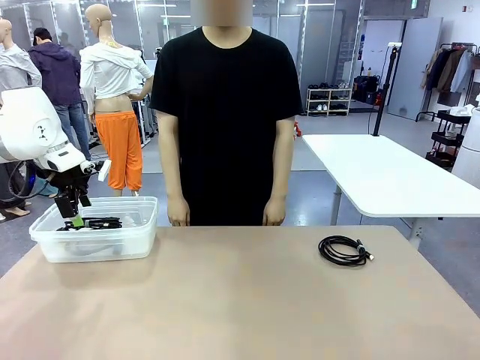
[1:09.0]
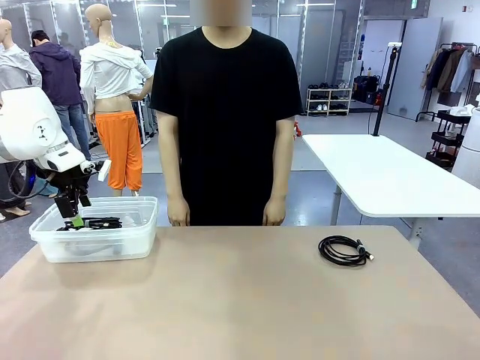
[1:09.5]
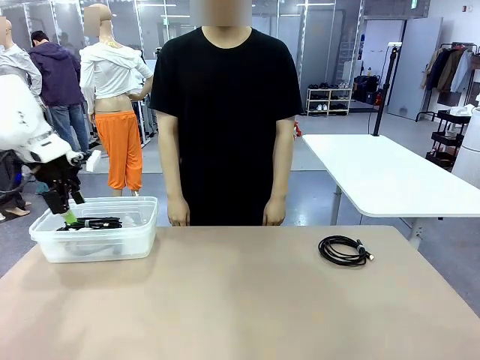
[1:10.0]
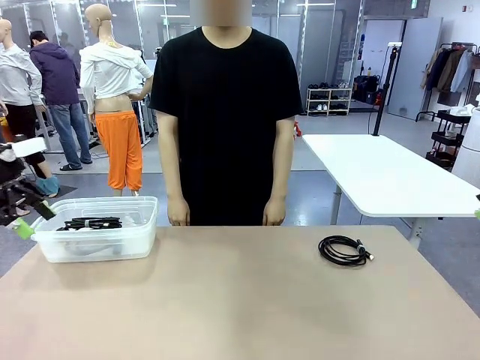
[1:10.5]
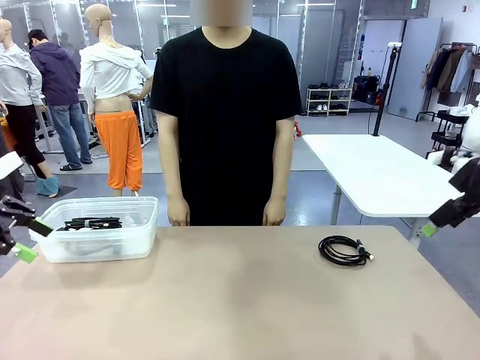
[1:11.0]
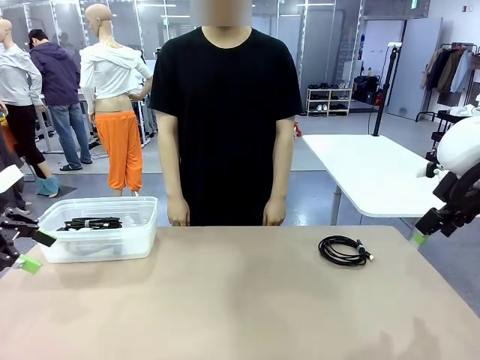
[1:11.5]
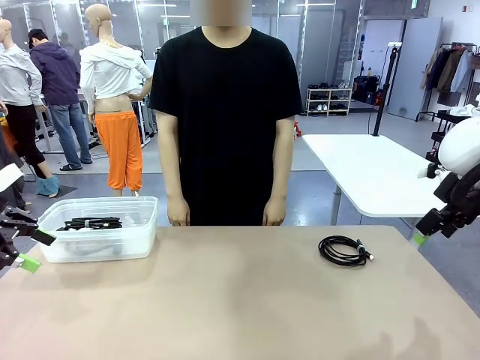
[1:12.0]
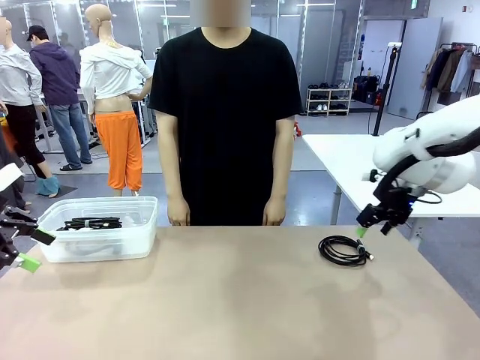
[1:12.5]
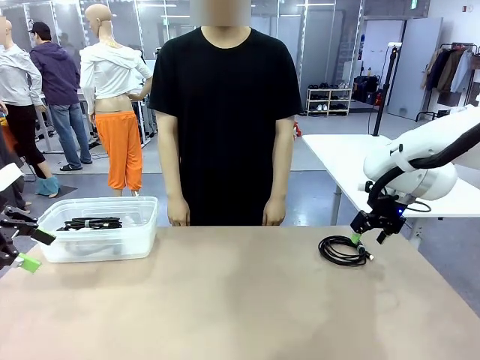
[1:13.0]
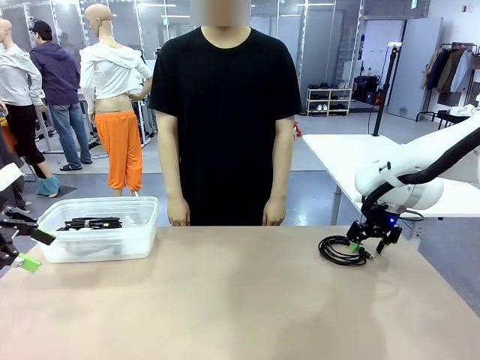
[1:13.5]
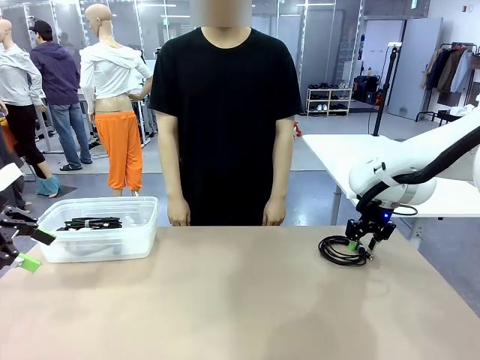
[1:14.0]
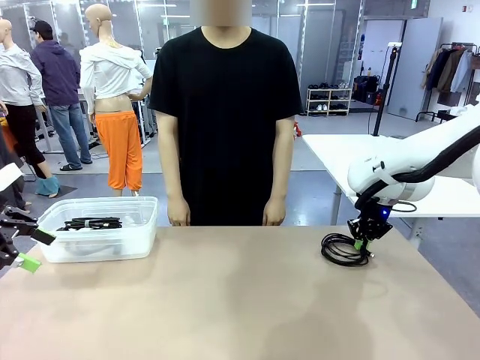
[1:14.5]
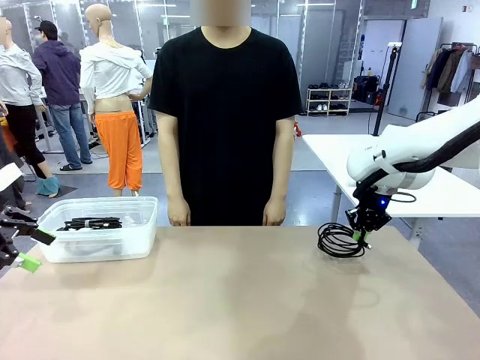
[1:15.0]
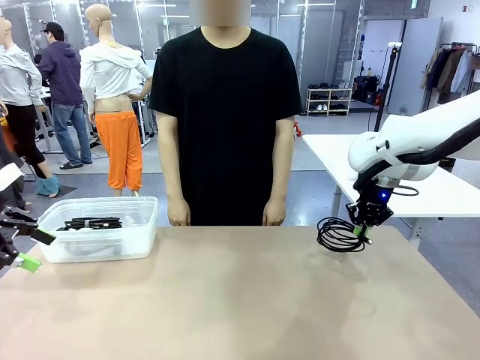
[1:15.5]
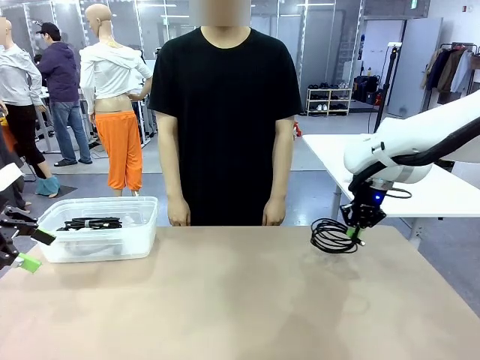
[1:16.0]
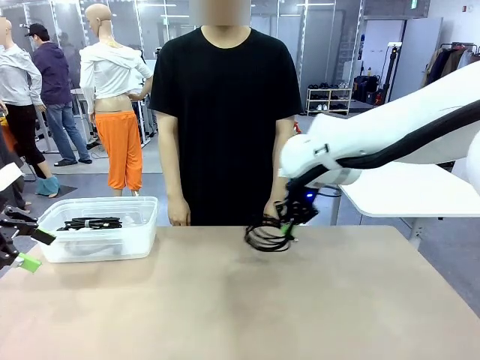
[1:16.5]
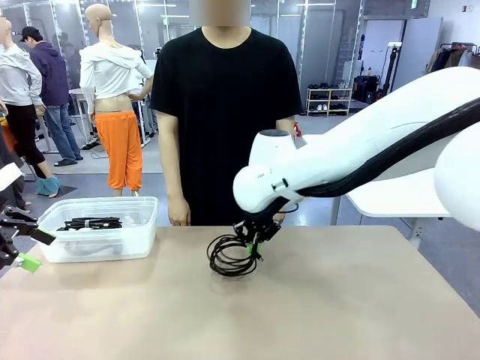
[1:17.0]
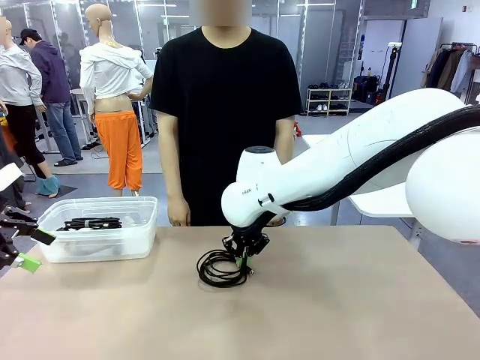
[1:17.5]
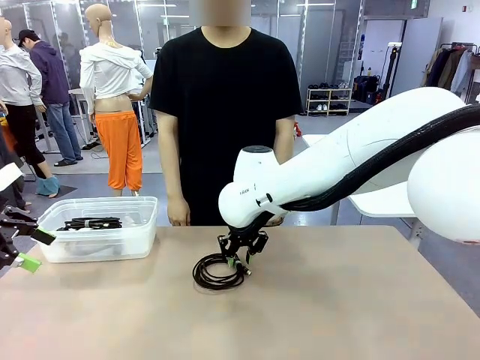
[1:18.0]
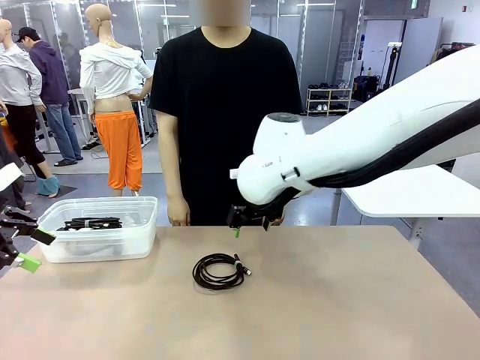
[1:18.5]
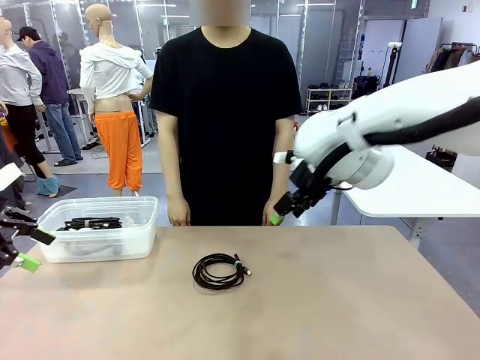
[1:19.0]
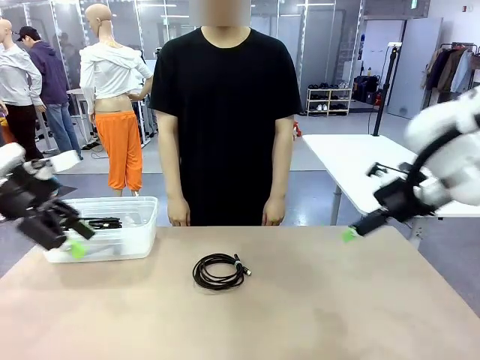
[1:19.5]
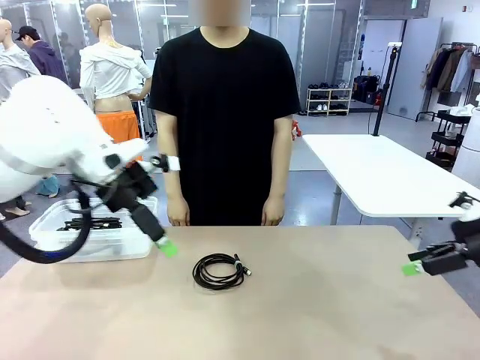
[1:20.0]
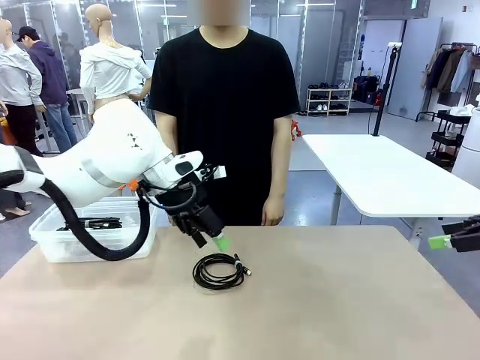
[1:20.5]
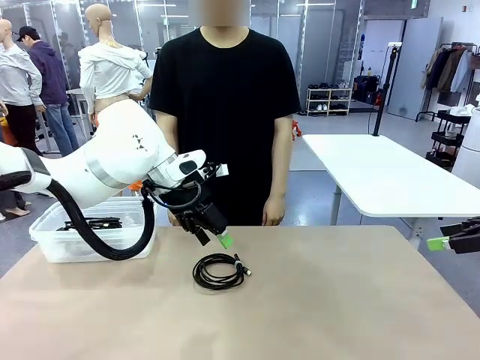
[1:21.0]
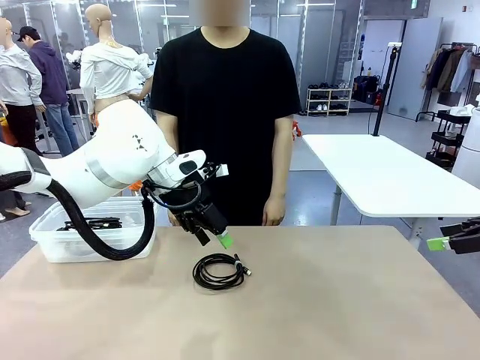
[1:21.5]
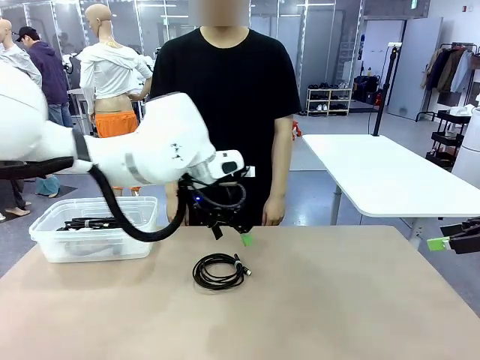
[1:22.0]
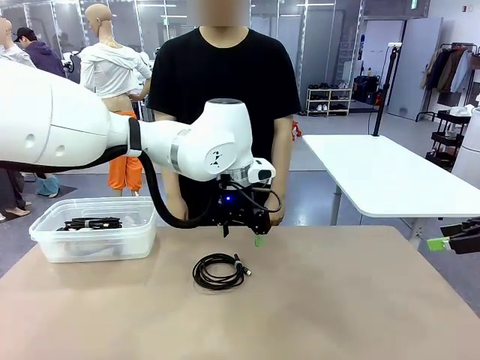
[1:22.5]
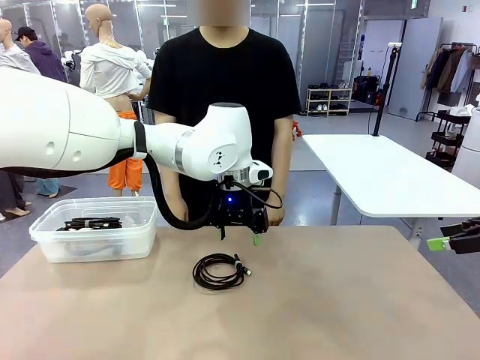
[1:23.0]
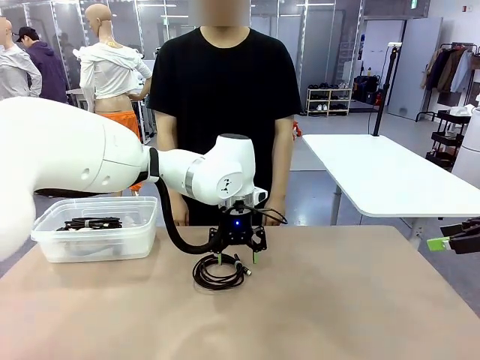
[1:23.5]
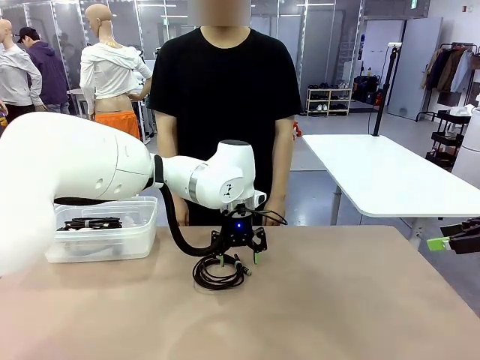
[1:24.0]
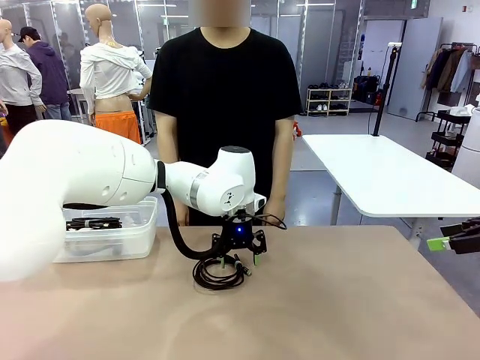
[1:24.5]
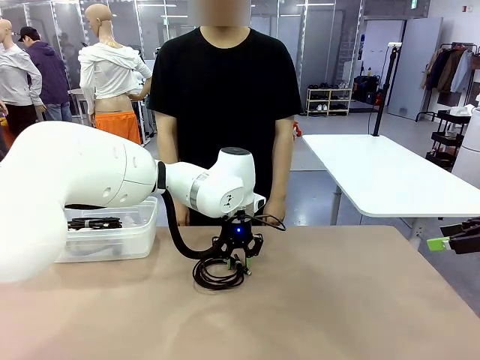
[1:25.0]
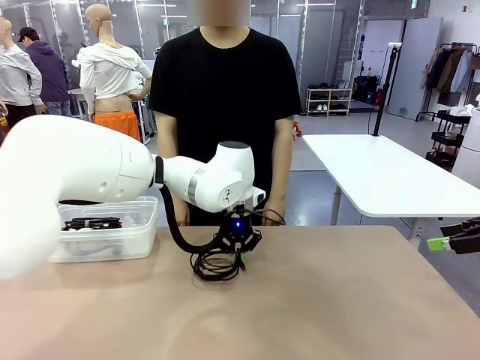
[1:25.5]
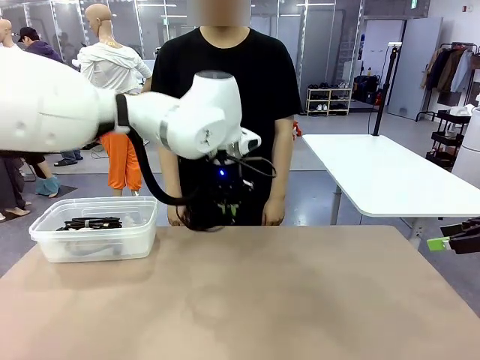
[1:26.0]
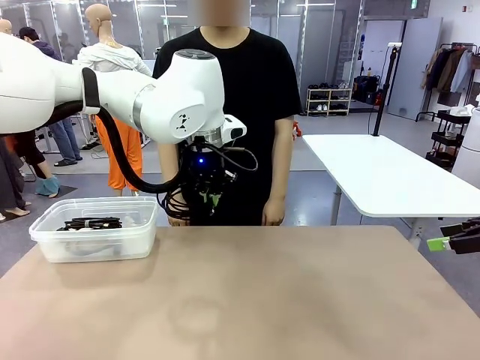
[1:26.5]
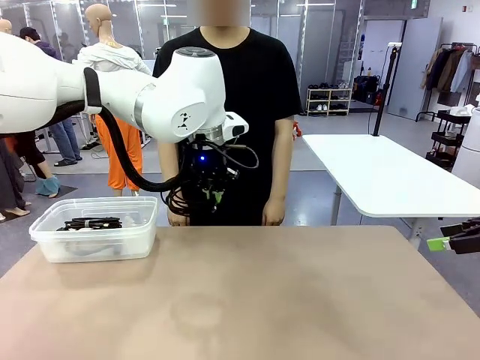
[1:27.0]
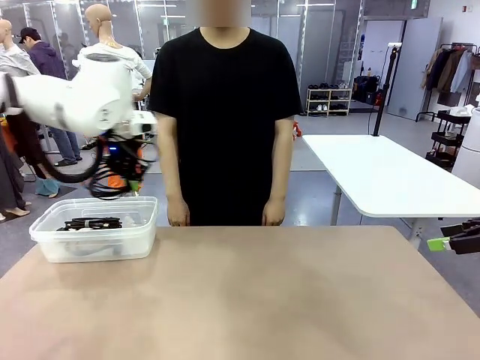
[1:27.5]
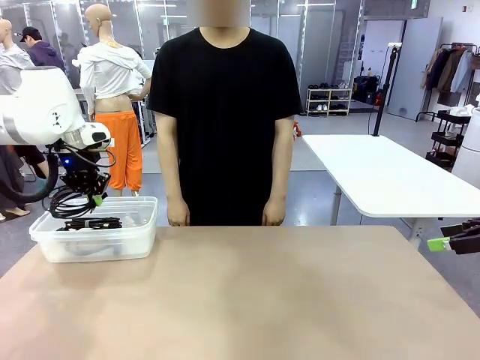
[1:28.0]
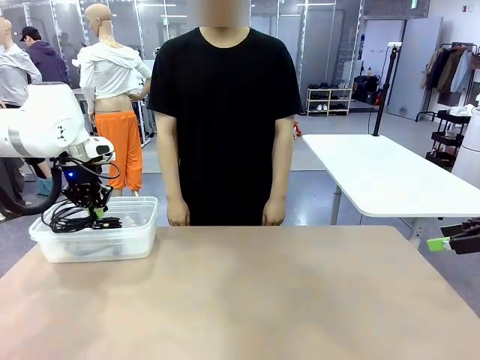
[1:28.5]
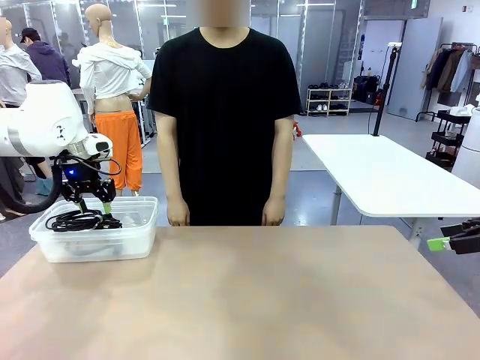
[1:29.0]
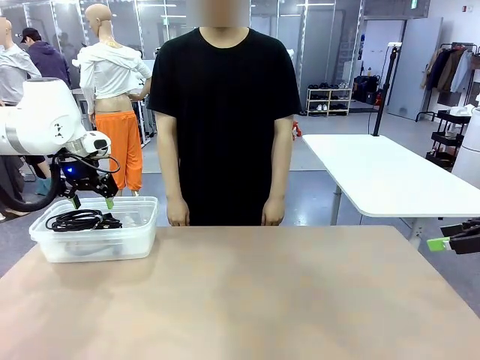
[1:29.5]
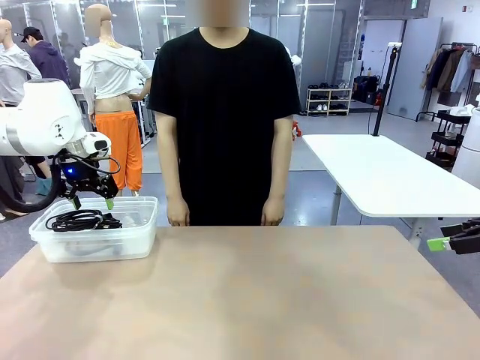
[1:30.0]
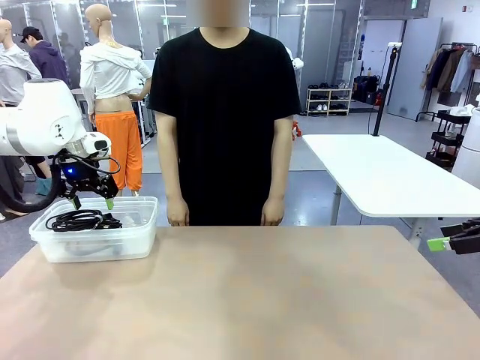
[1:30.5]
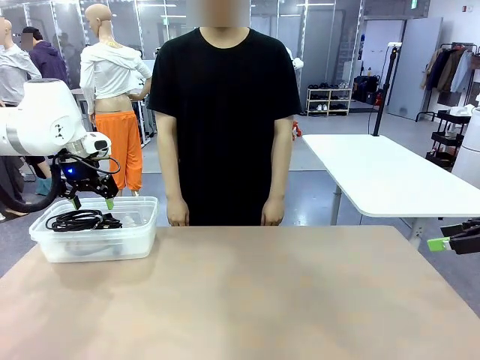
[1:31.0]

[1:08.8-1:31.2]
Task: Organize and store the cables.
Robot: Place the USB Extension Cable into the Organizing box.

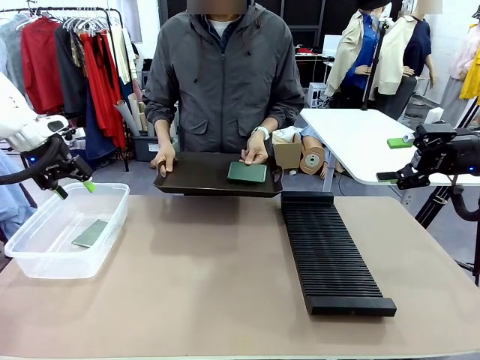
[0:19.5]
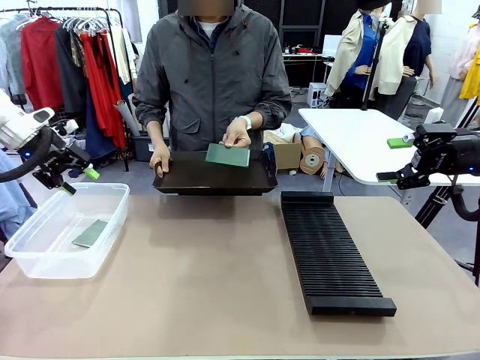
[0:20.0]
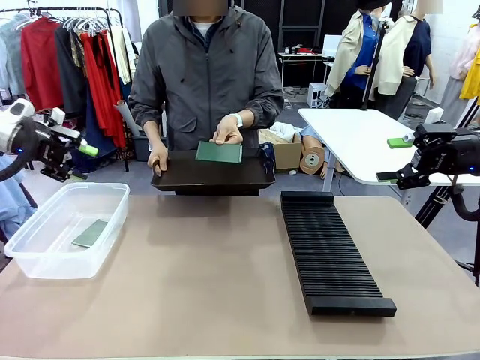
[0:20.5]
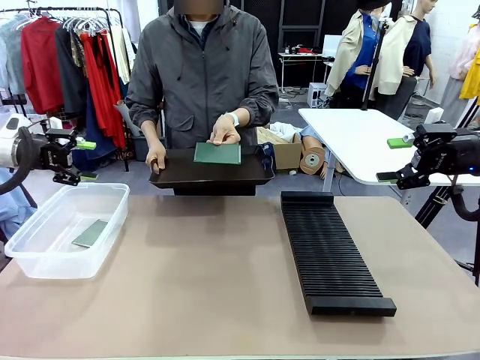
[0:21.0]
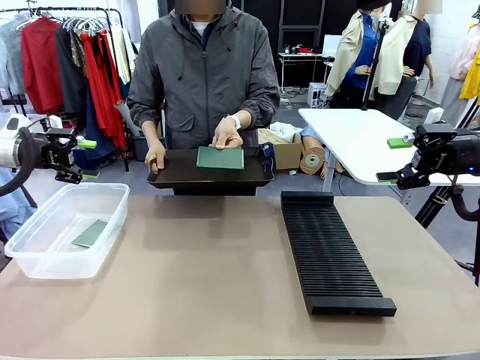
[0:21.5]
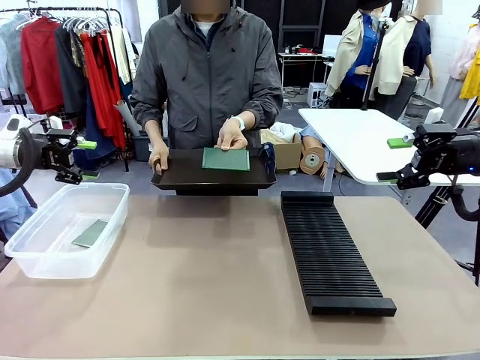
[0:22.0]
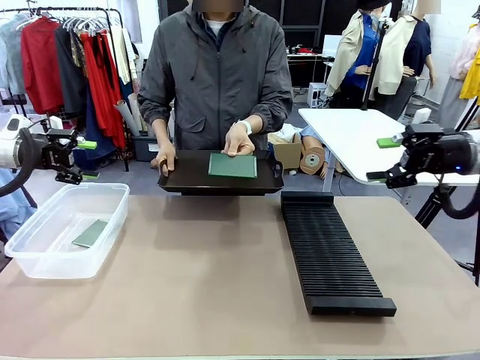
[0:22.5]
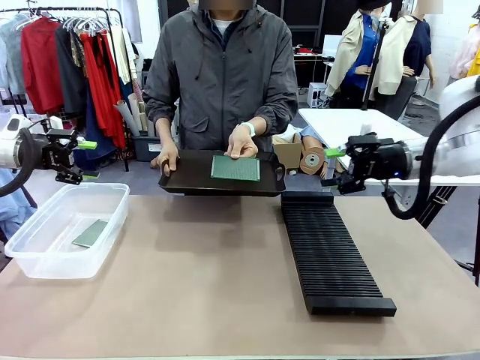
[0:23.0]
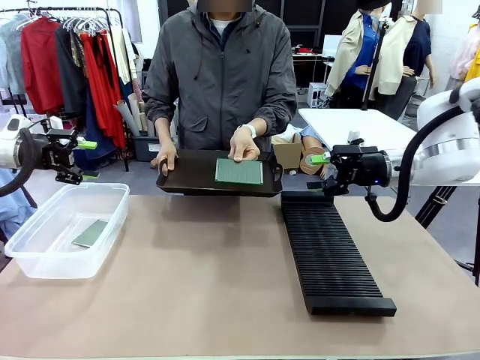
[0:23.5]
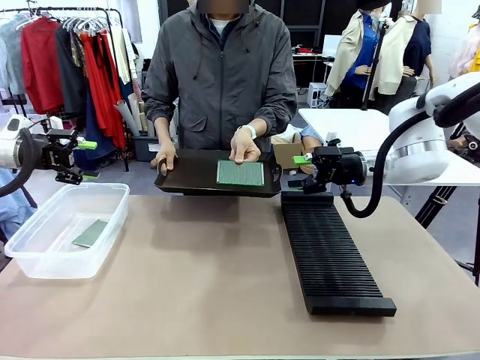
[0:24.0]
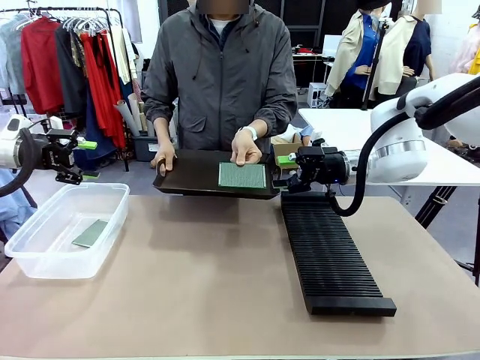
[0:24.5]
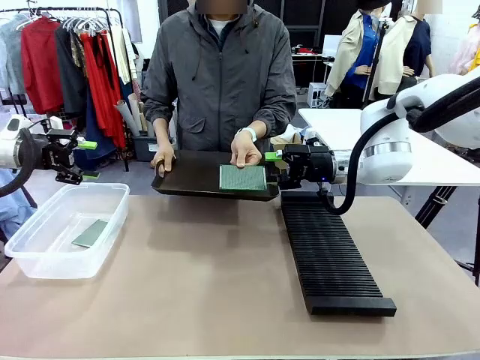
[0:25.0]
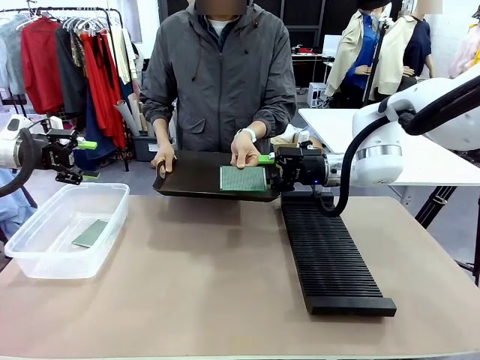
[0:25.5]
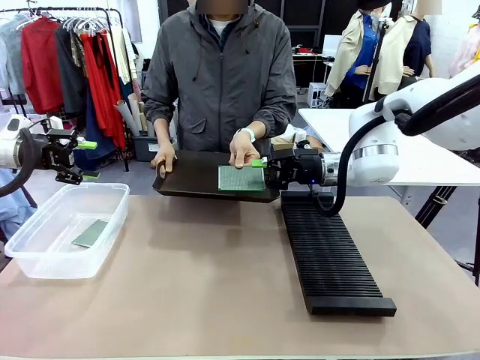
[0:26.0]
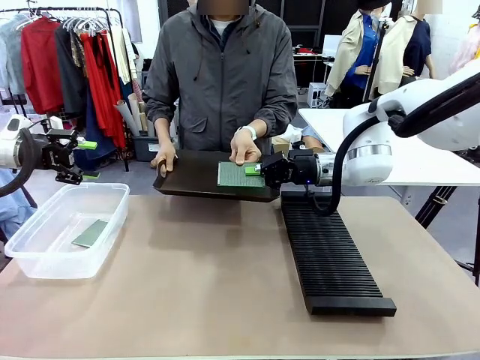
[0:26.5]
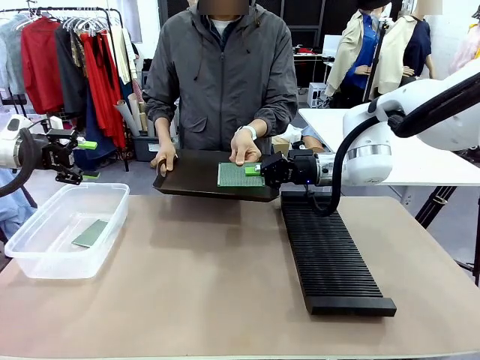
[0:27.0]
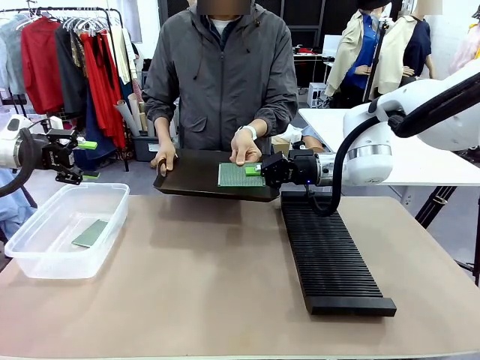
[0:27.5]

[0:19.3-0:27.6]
Task: Sort PCBs into racks and boxes based on the side picked up.
Robot: Pick up the Blank PCB handed by the Human.
